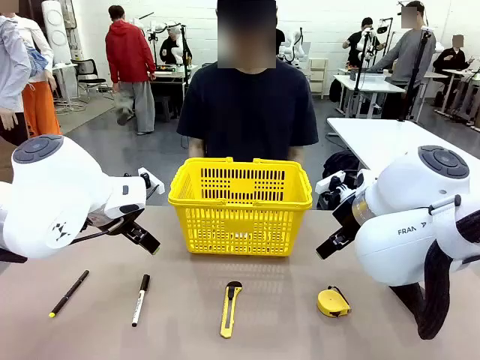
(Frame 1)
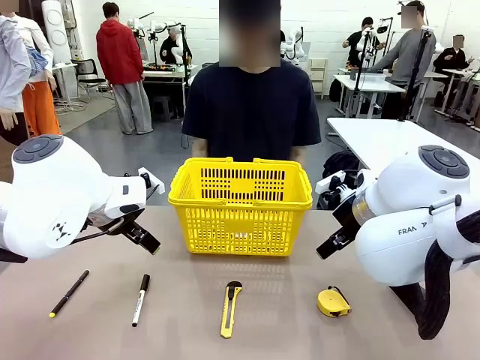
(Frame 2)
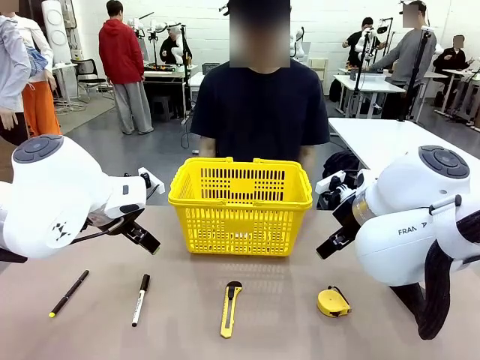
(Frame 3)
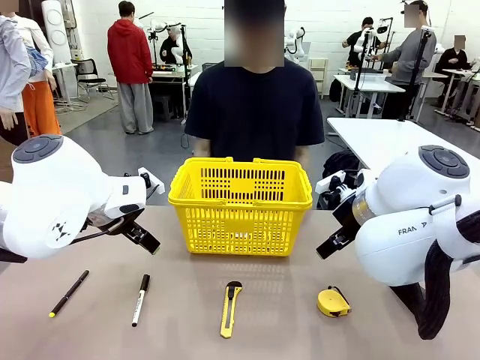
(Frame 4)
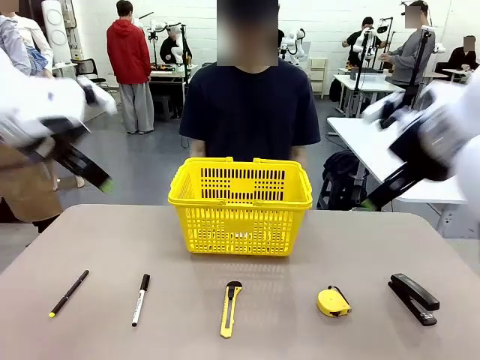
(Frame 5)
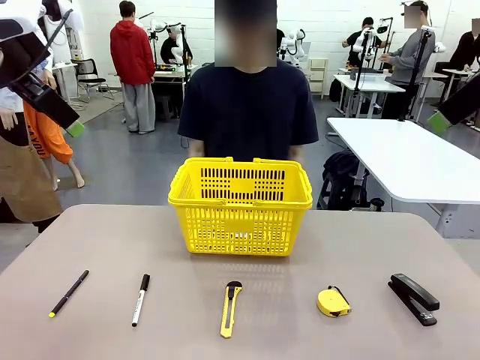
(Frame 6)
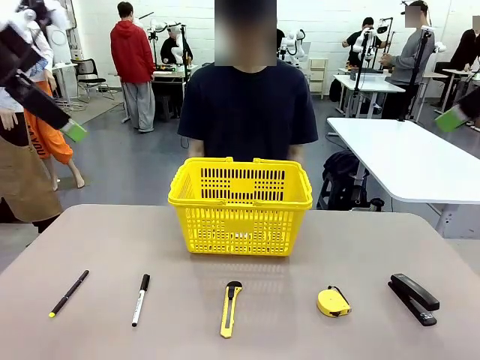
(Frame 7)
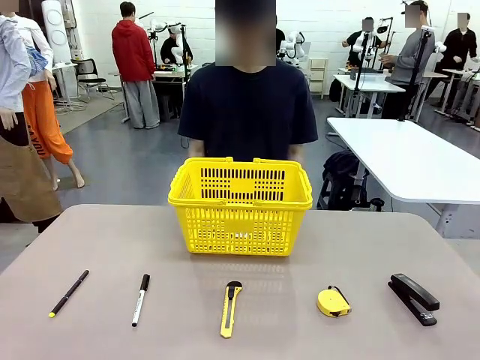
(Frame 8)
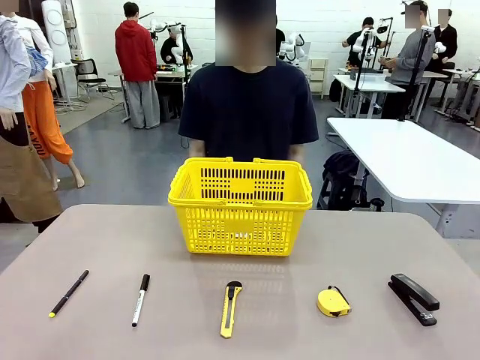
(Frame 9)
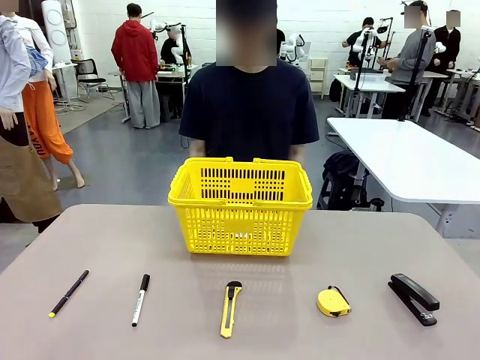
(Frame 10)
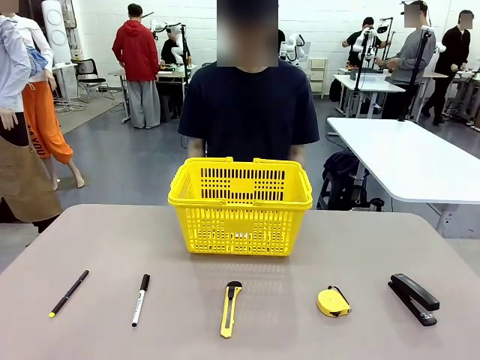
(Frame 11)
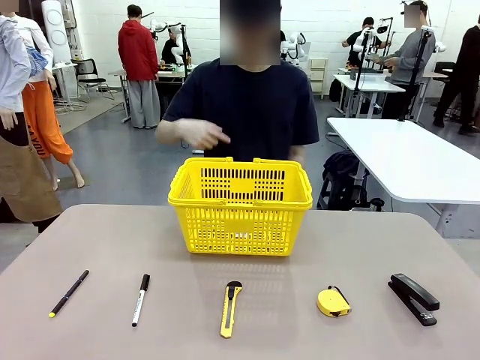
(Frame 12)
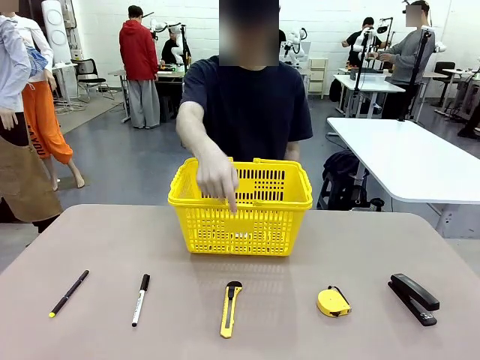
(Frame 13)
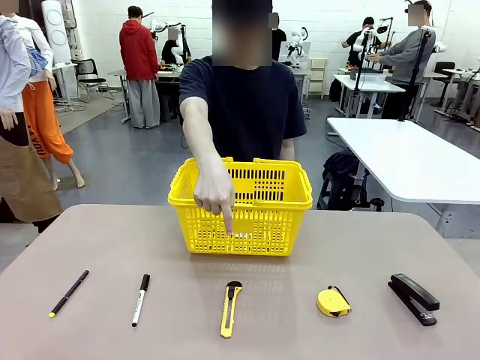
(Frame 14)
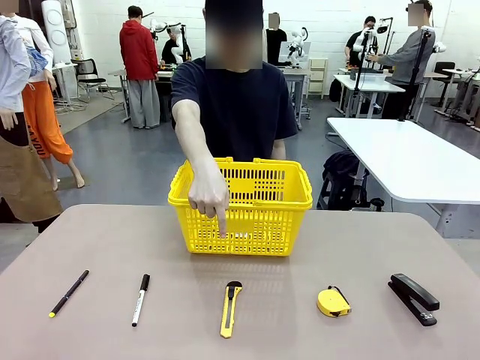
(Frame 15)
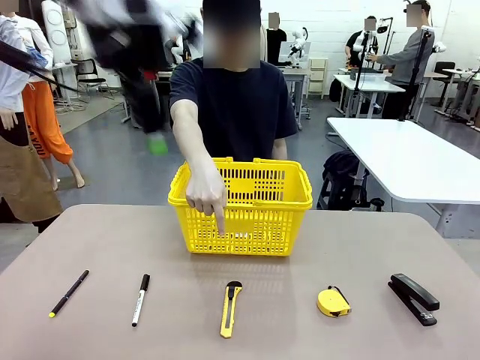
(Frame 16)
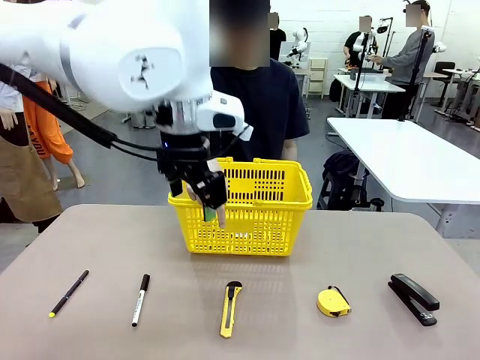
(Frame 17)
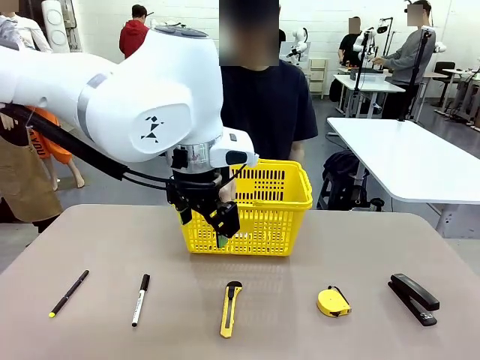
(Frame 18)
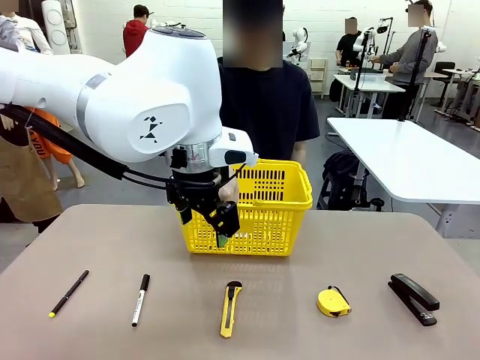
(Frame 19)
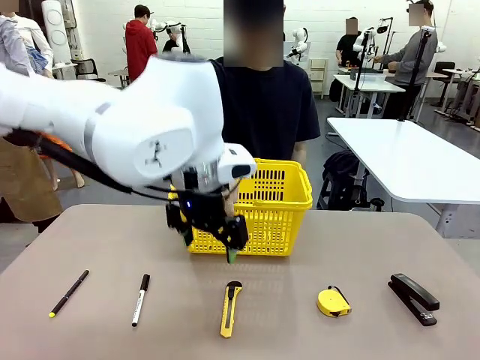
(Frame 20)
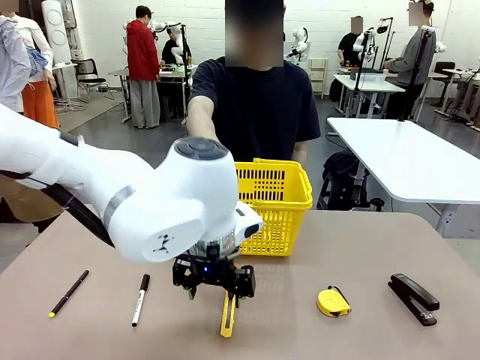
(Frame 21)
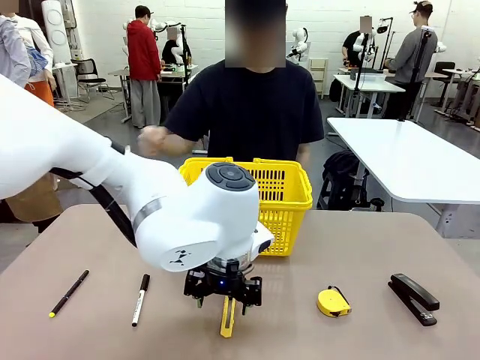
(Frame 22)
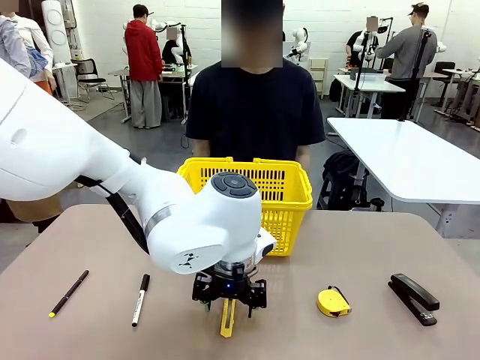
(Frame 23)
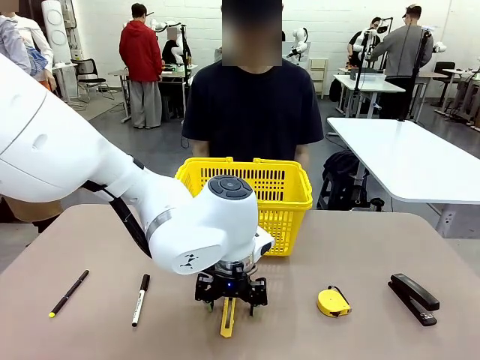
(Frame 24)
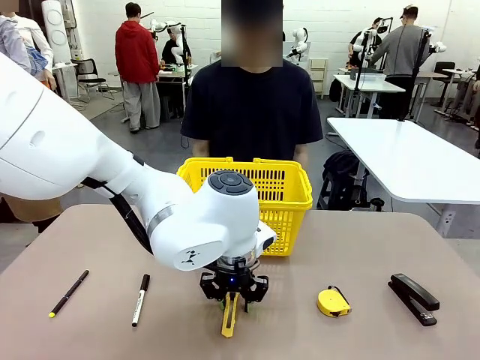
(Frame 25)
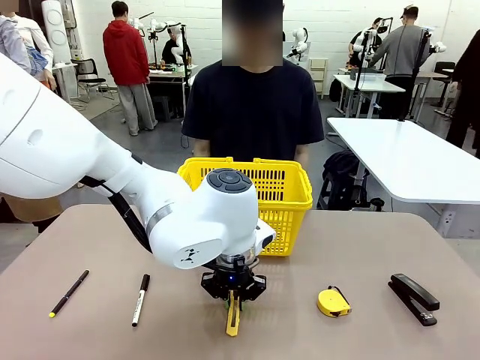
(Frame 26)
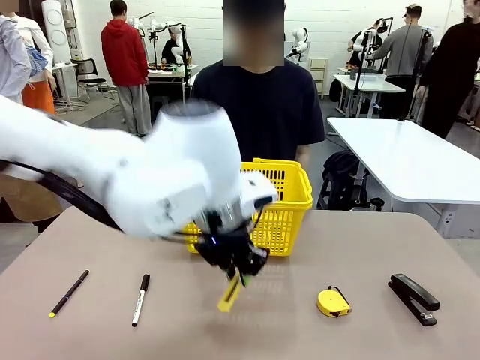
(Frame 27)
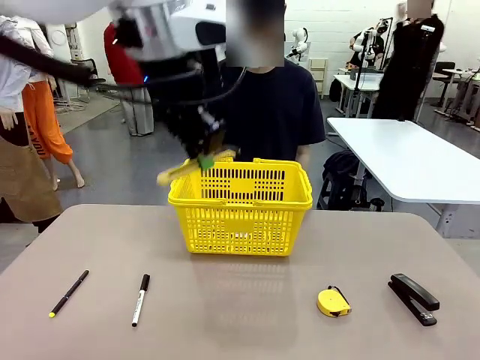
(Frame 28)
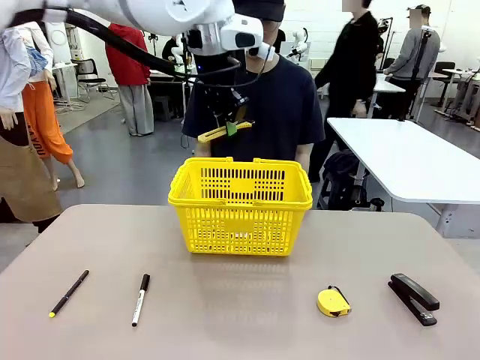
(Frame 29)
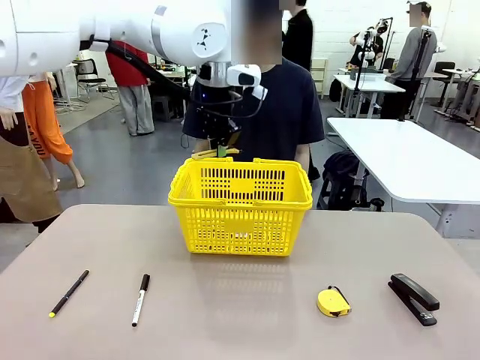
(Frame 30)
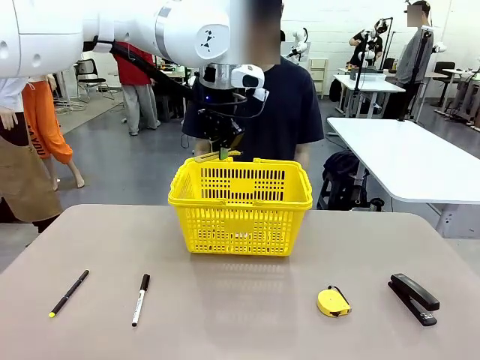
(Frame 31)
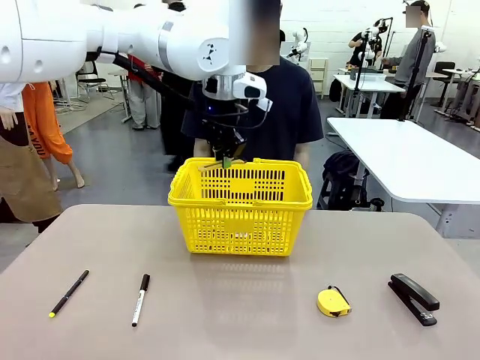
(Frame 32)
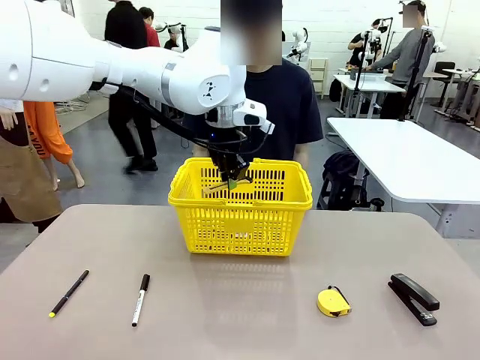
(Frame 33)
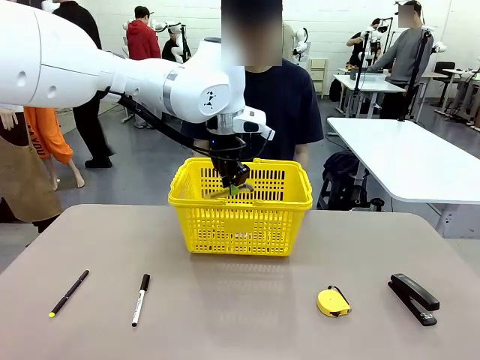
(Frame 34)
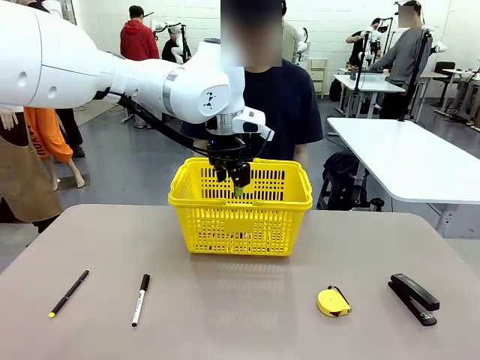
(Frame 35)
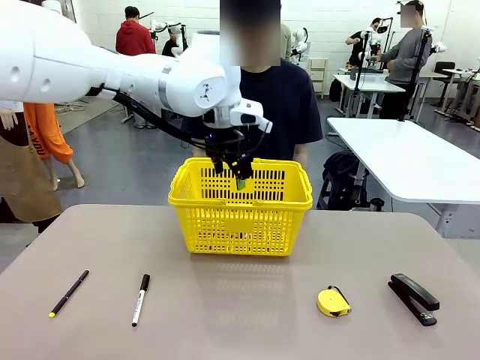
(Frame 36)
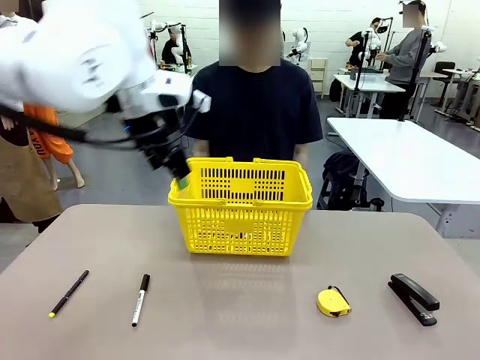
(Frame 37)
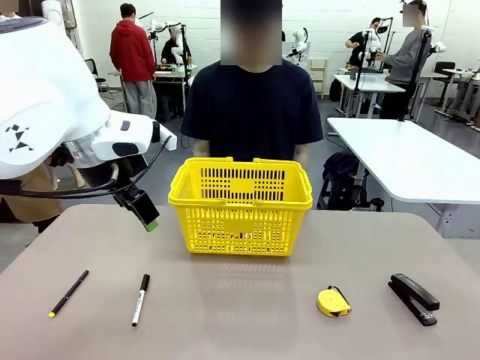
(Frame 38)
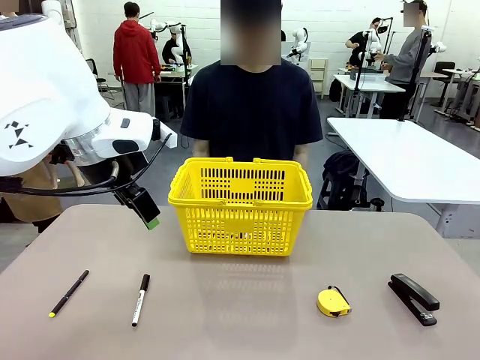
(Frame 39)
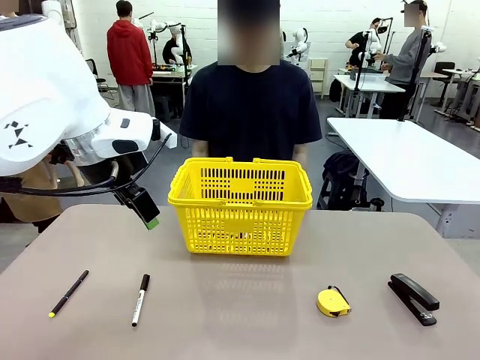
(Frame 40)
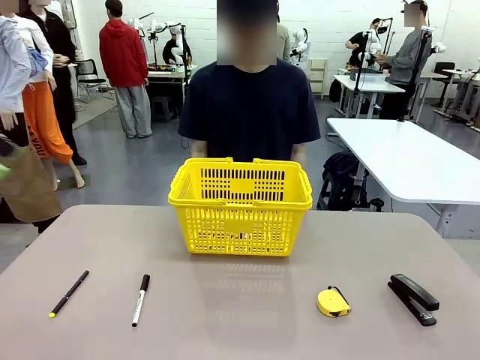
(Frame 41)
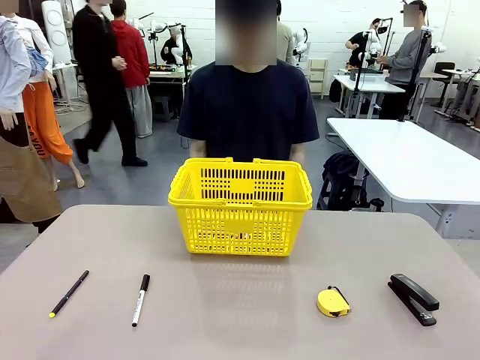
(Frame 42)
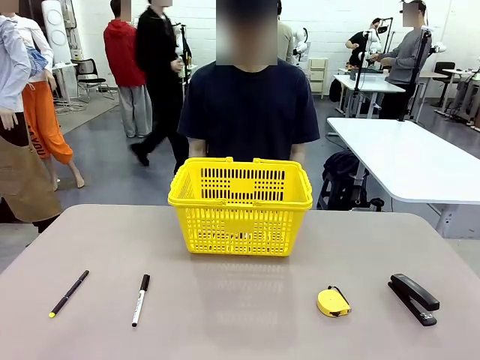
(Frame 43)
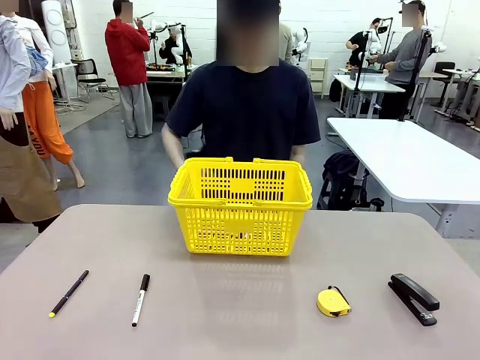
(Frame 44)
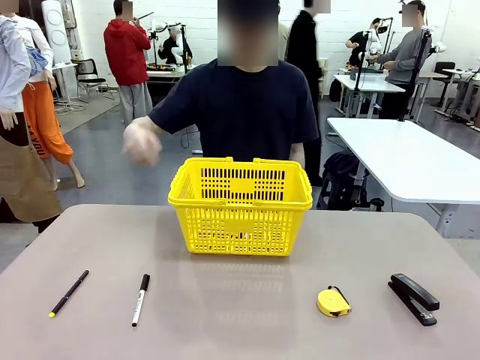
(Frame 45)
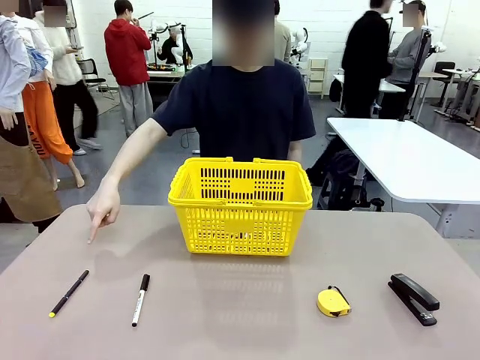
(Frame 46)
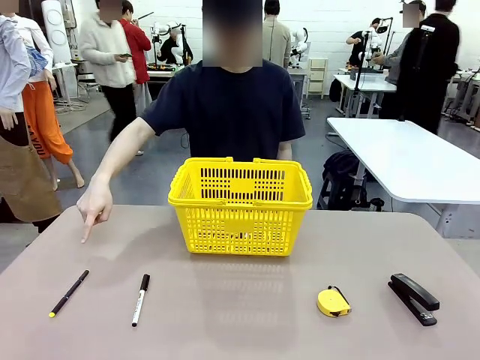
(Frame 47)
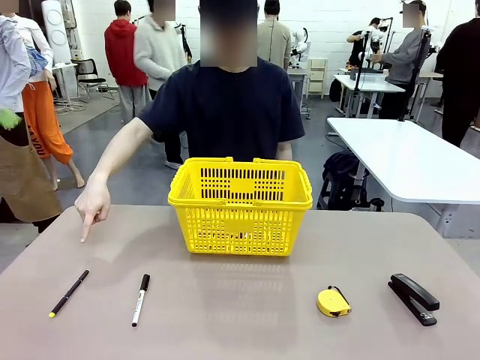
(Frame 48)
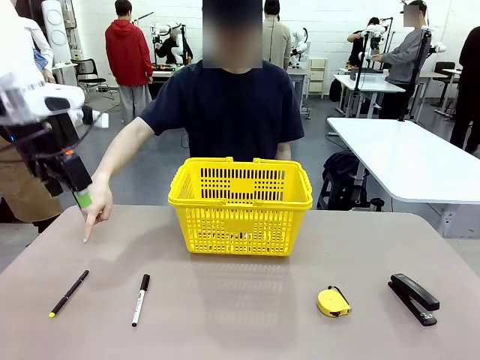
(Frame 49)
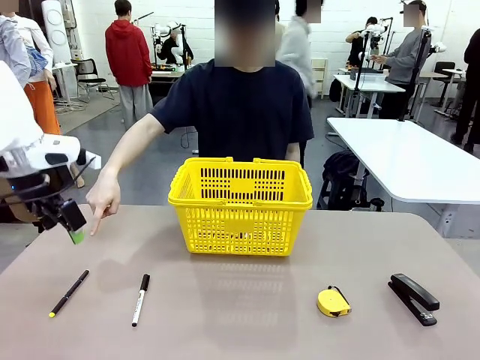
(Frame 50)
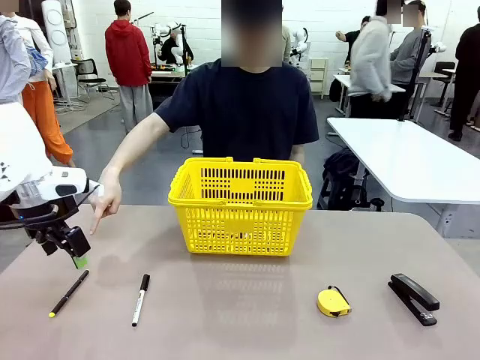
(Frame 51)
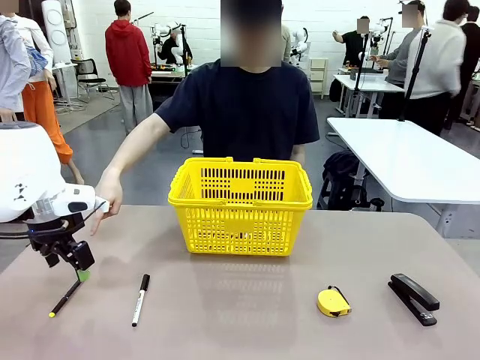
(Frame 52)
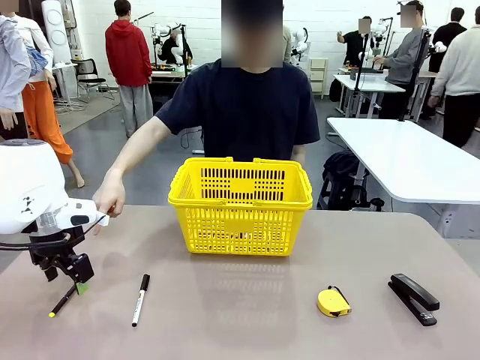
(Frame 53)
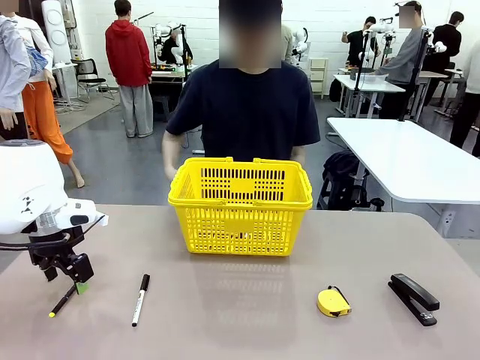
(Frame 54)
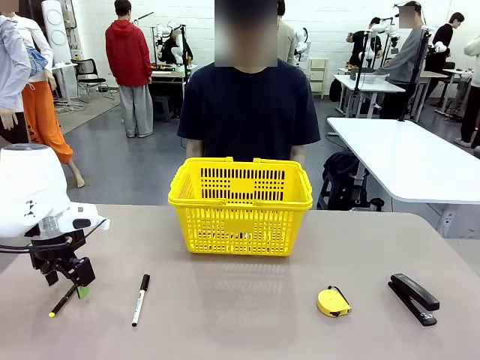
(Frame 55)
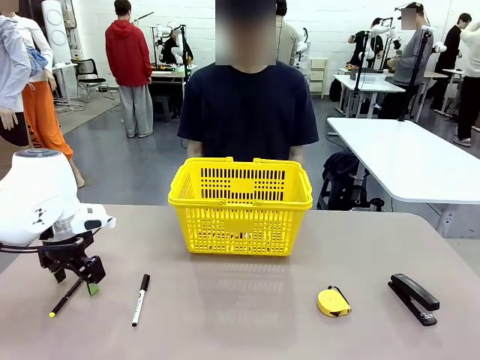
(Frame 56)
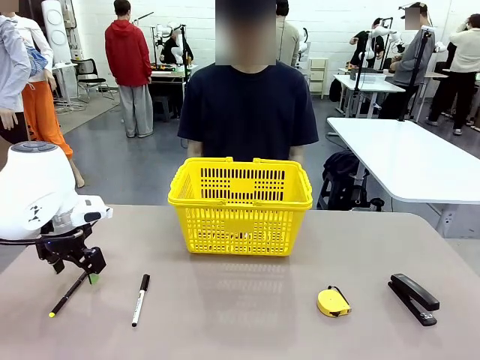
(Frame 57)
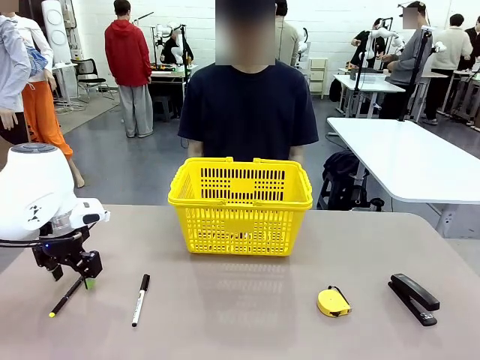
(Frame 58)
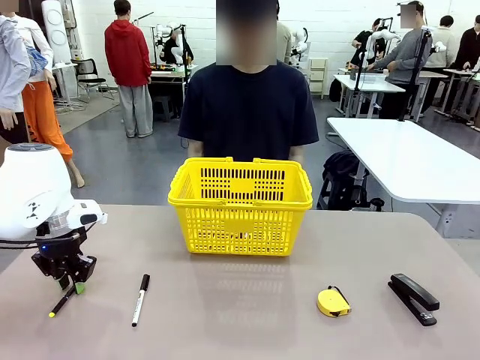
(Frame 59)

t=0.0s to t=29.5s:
Task: Place the items the person wants into the basket.
Robot: Pick up the item the person points to and place it in the Market Basket.
